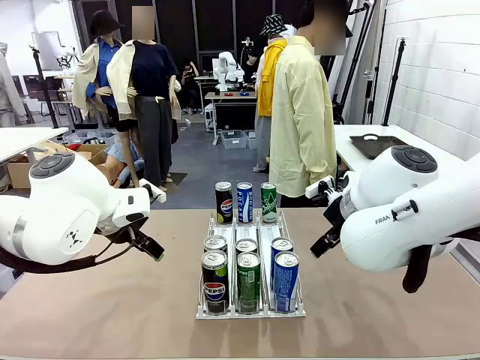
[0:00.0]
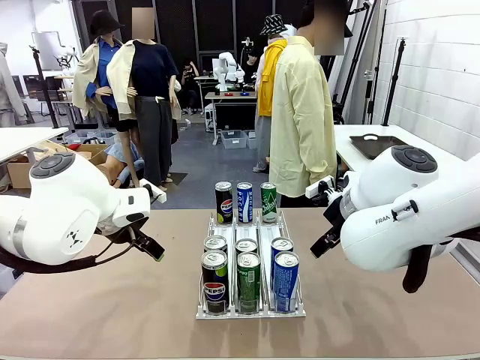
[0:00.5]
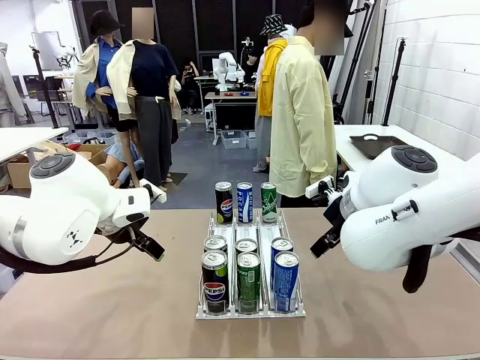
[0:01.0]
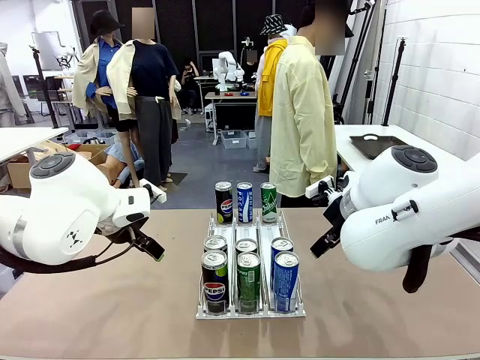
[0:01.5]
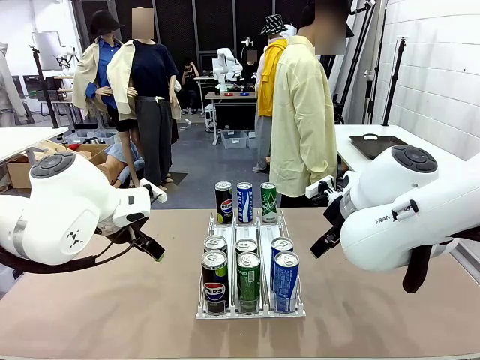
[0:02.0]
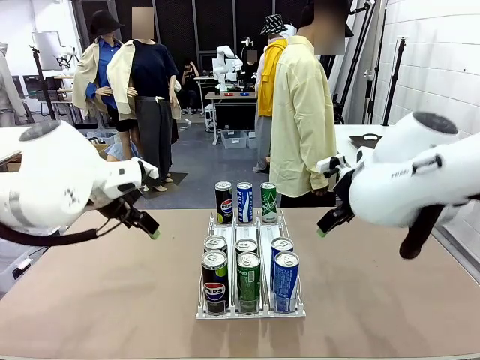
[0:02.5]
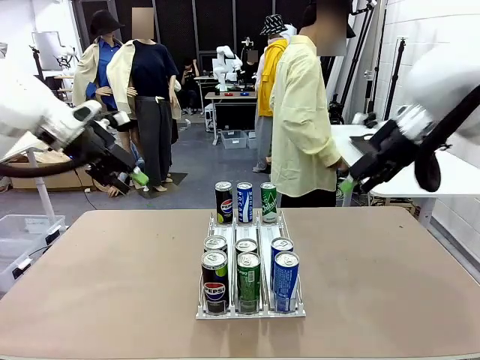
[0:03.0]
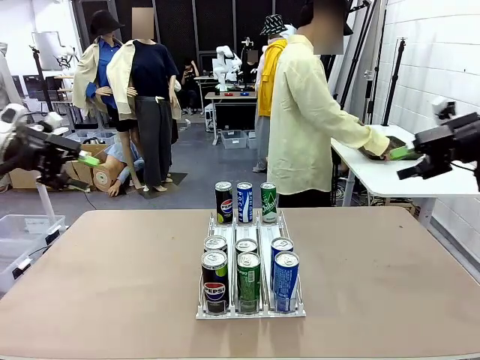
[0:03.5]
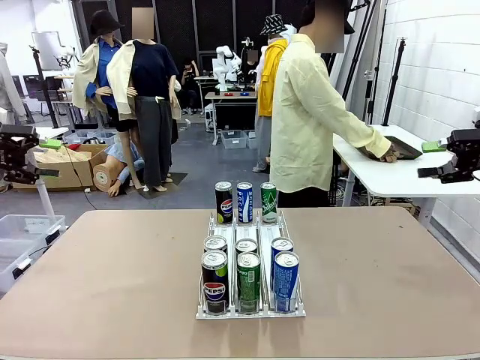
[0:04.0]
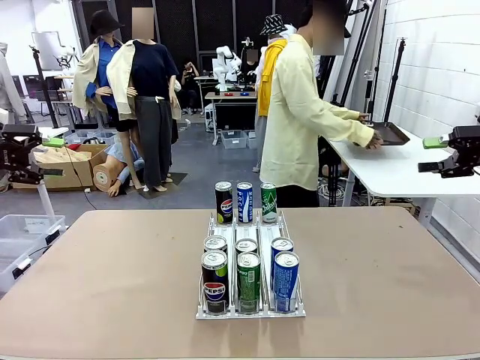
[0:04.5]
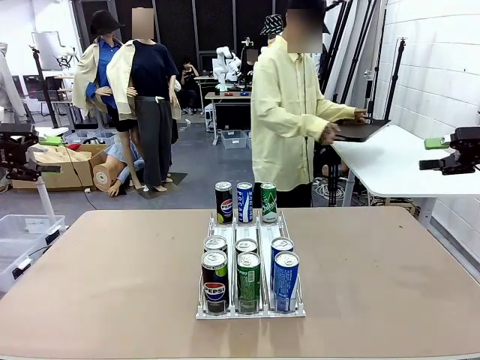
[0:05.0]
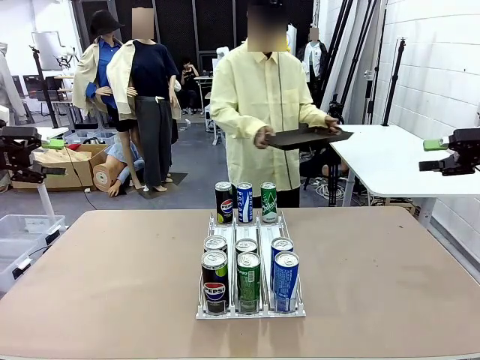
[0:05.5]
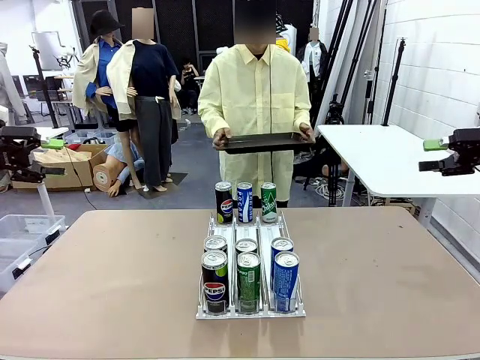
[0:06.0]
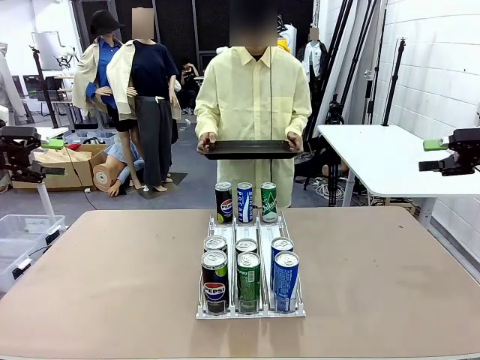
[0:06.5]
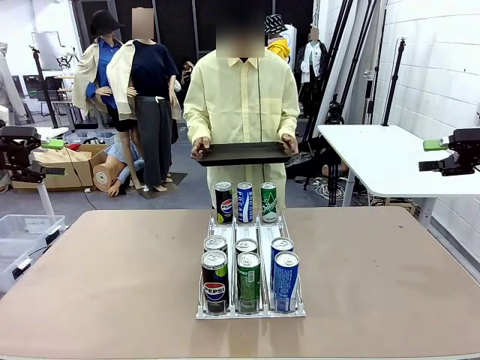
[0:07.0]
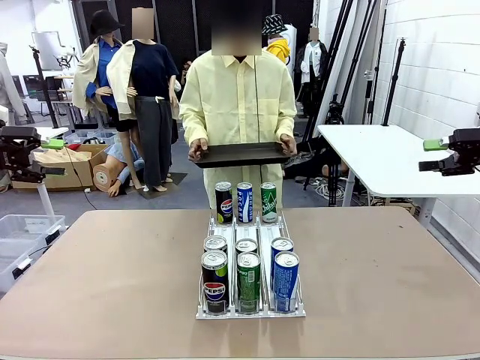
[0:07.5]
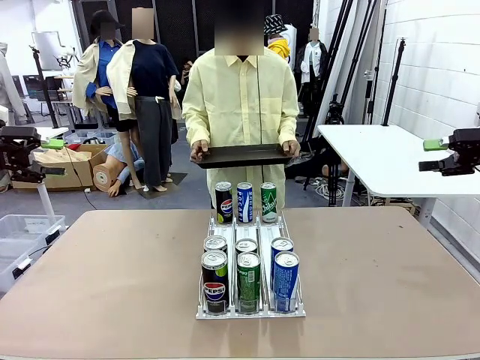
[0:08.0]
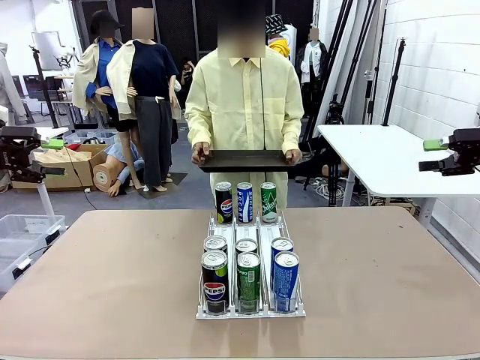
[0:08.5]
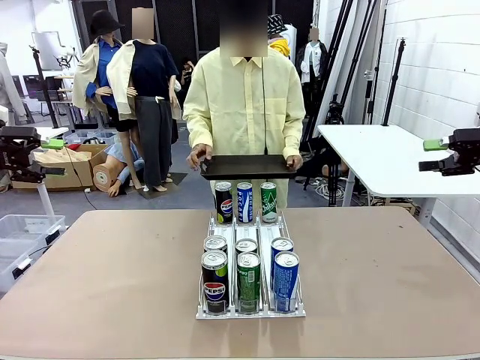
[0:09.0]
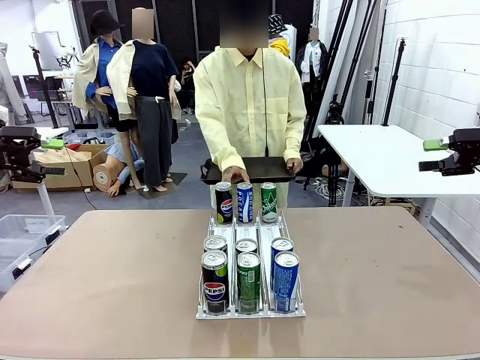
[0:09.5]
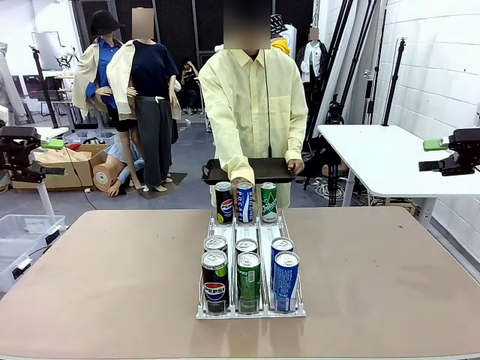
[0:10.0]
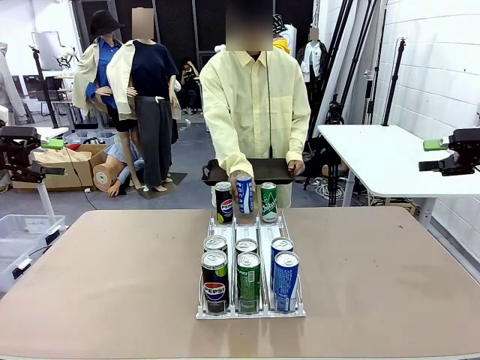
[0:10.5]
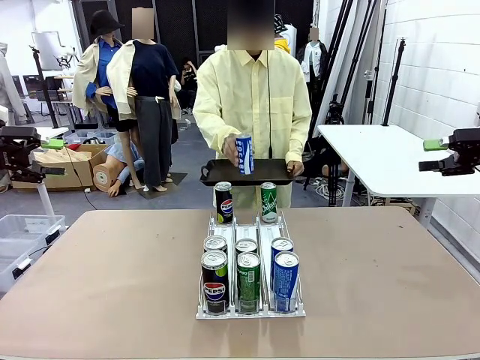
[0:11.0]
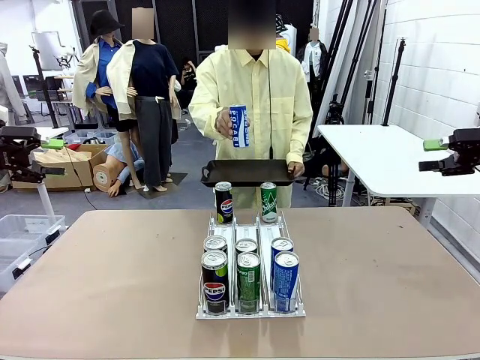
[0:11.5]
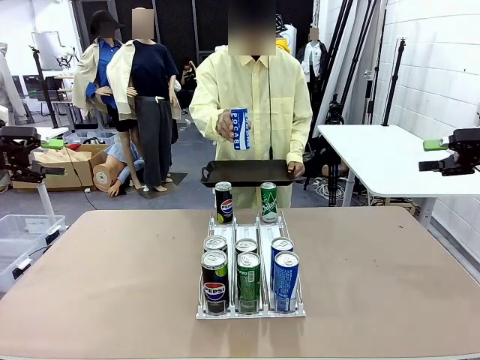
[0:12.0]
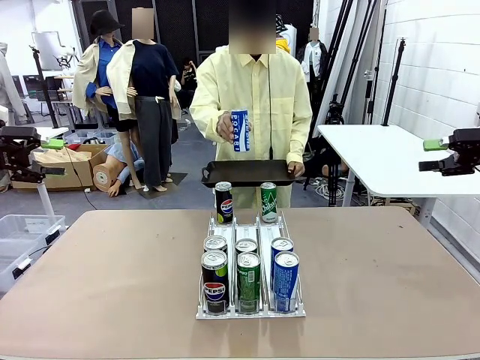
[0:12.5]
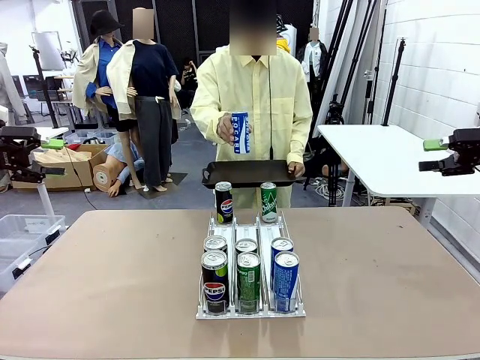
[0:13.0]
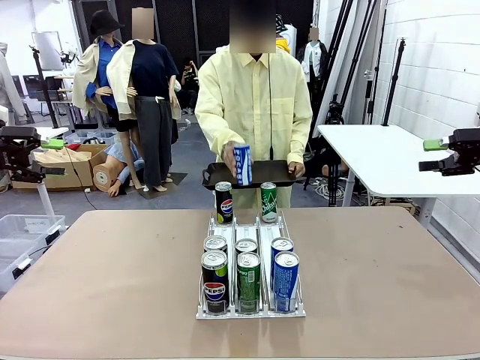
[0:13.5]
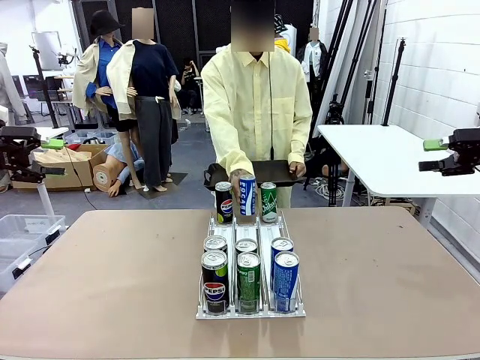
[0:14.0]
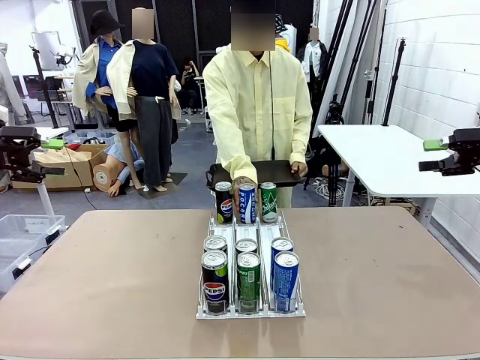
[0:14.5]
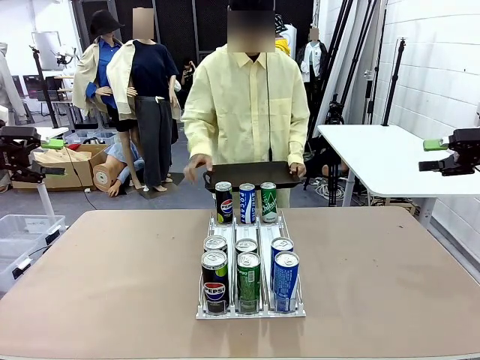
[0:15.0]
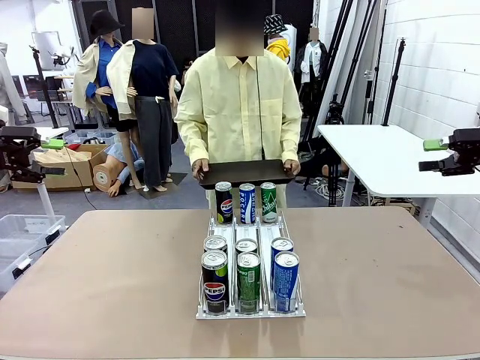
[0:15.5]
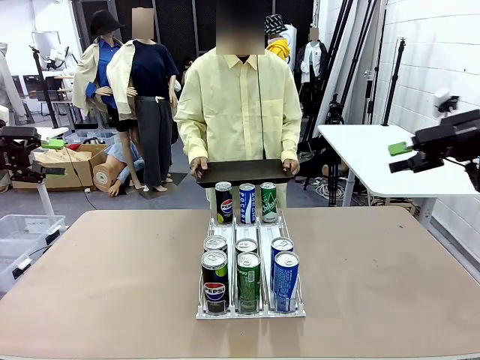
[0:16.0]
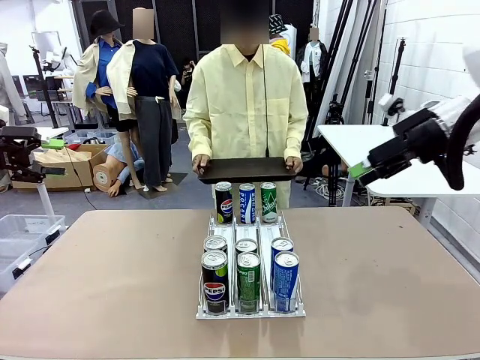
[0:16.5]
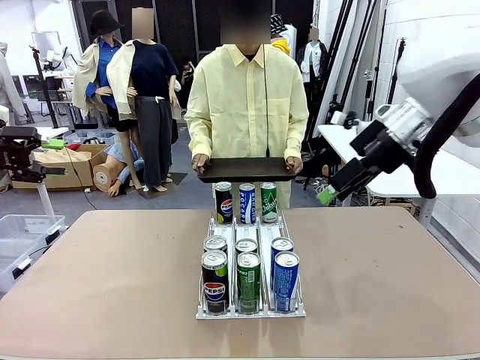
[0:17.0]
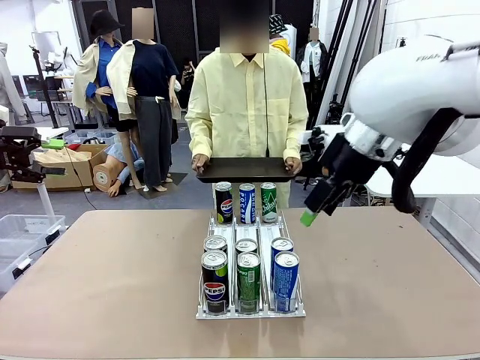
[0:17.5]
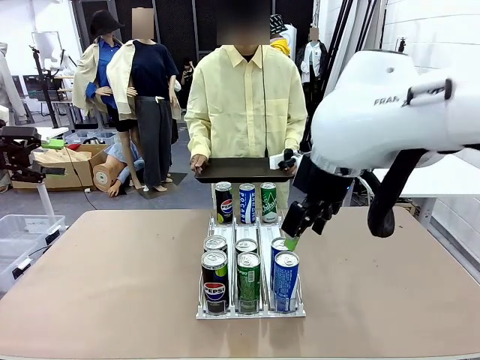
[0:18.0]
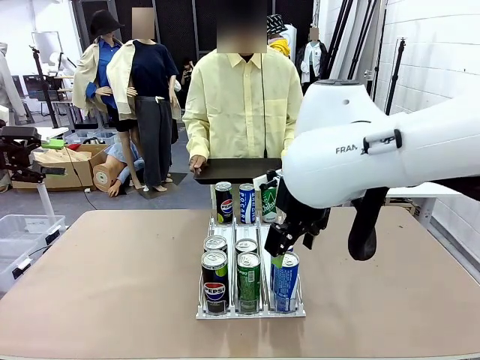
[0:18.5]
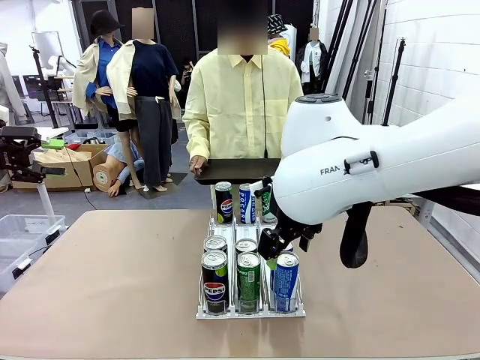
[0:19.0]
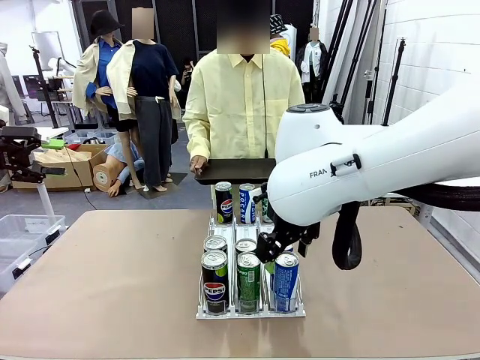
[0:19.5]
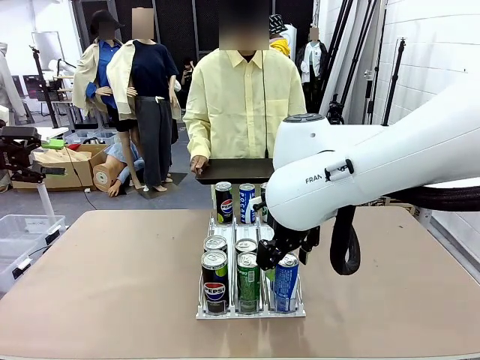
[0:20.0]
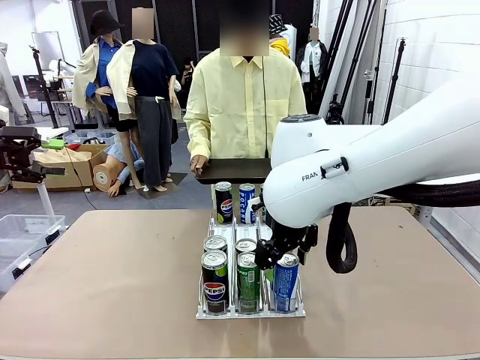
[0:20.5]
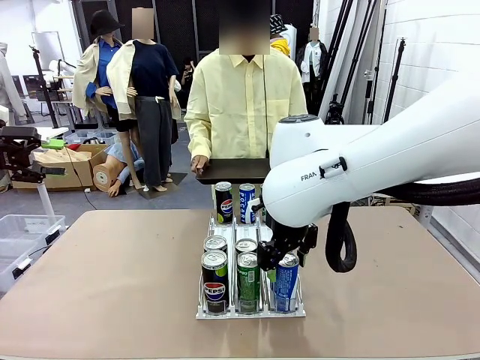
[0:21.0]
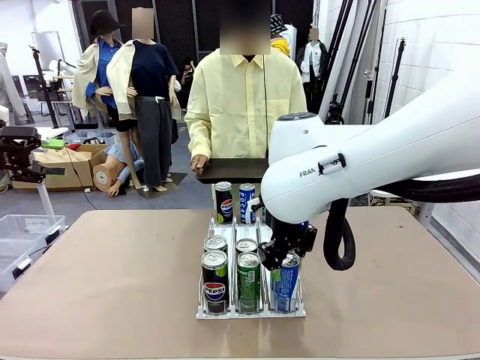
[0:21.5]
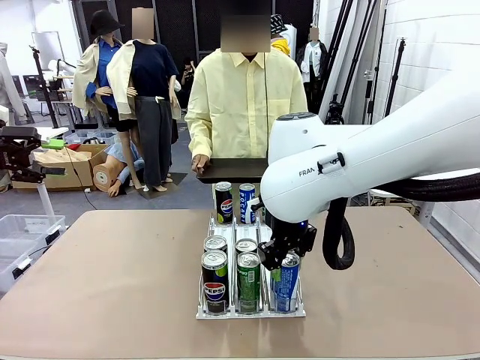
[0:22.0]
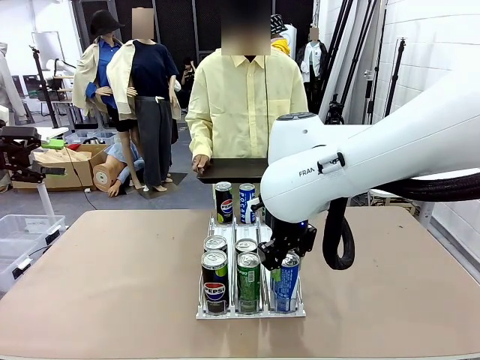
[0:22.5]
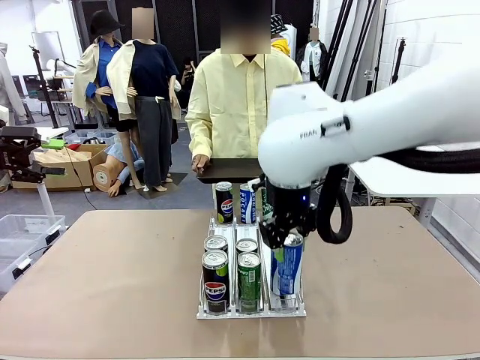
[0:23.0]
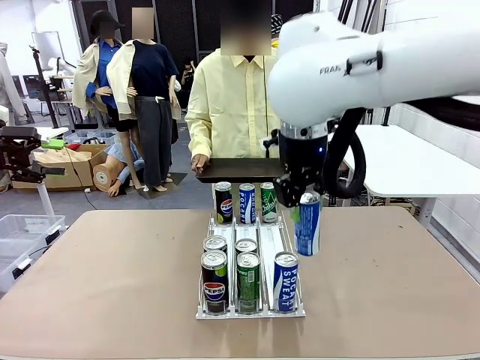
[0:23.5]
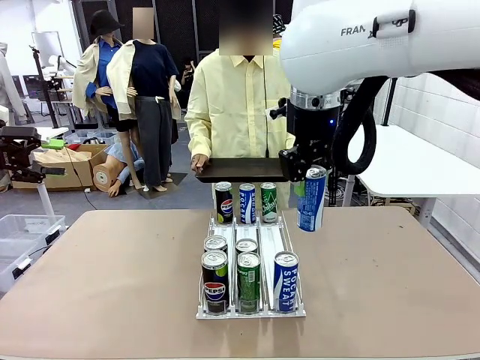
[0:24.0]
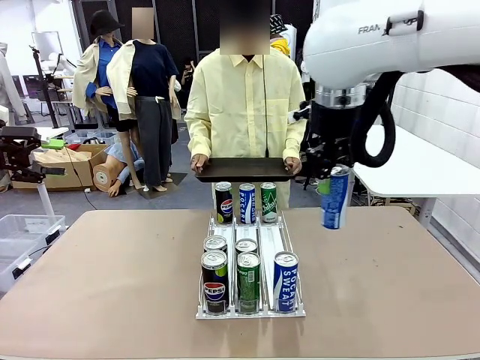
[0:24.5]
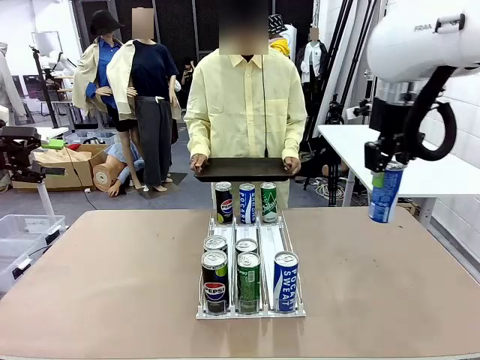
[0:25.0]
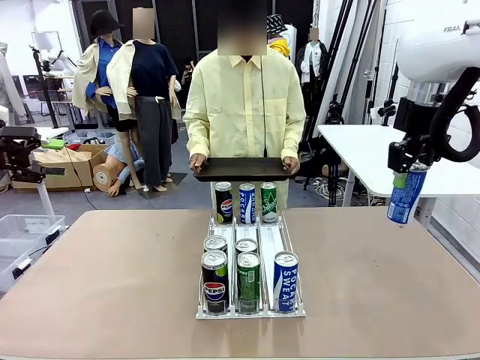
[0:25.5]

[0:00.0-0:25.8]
Task: Retrieve and hand over the desired beverage to the person.
Robot: Pick up a can of the same type that the person held from the Automatic Can Dispenser.
Person: Hold the tray and position yourself in front of the robot table. Pick up one can from the bottom area of the table and puts it back in its original place. Push the tray toward the robot.
